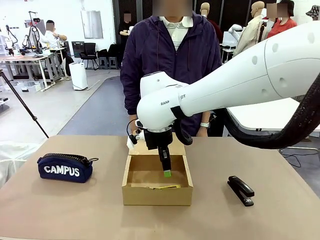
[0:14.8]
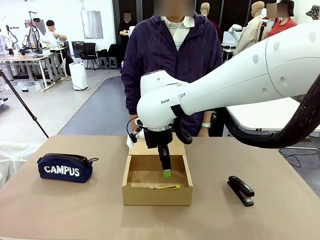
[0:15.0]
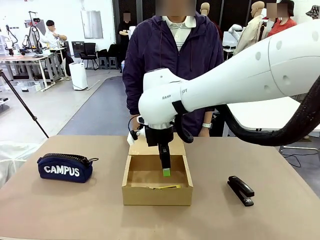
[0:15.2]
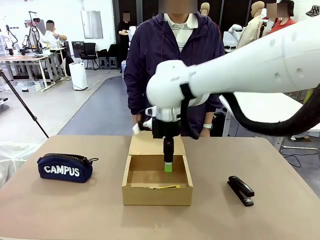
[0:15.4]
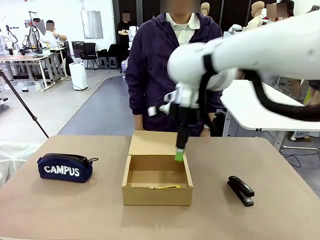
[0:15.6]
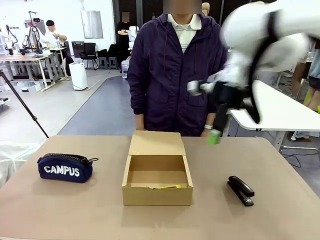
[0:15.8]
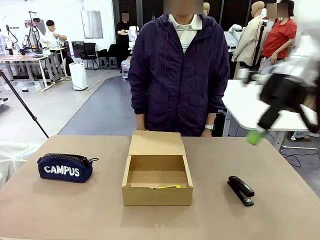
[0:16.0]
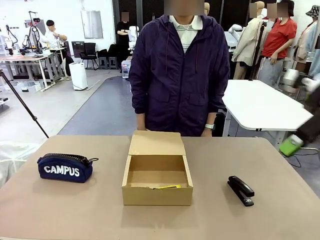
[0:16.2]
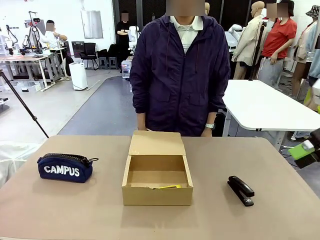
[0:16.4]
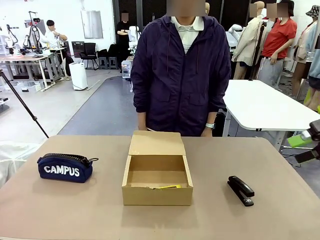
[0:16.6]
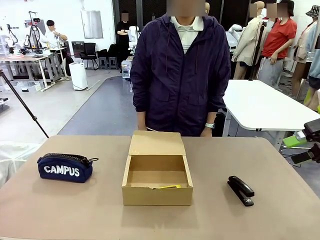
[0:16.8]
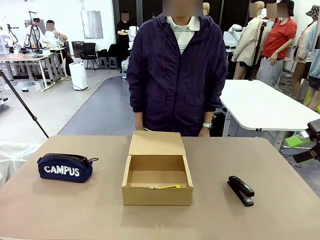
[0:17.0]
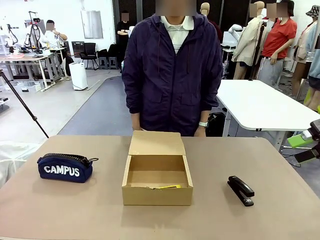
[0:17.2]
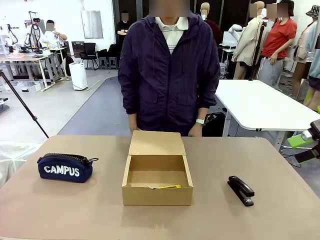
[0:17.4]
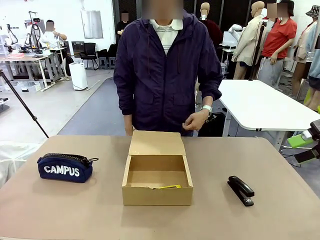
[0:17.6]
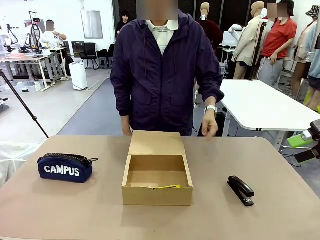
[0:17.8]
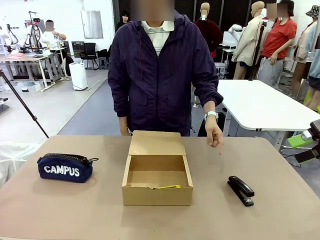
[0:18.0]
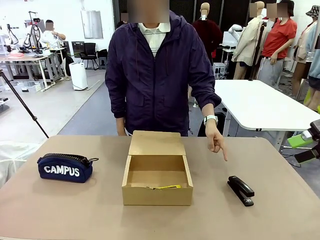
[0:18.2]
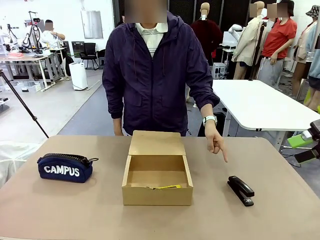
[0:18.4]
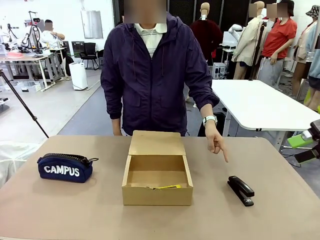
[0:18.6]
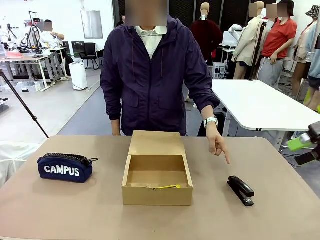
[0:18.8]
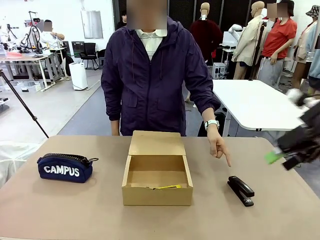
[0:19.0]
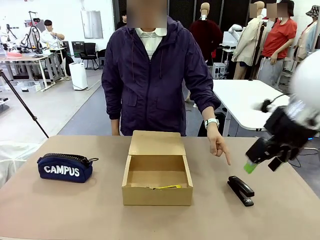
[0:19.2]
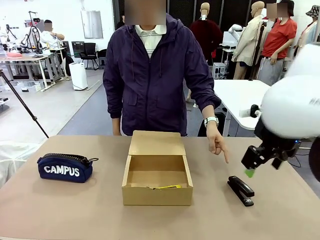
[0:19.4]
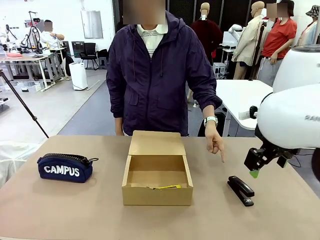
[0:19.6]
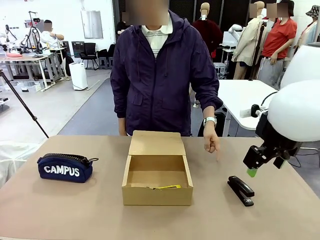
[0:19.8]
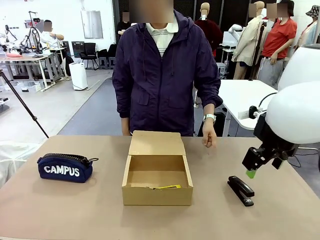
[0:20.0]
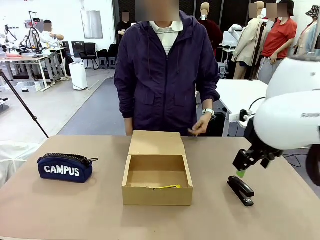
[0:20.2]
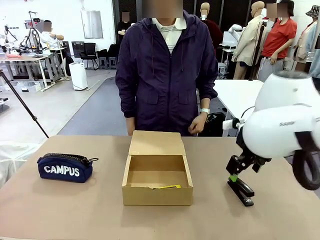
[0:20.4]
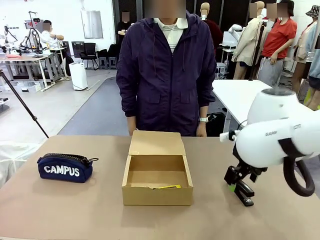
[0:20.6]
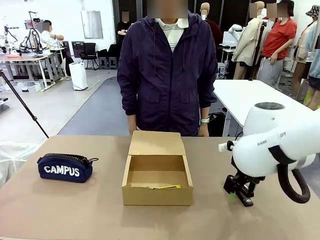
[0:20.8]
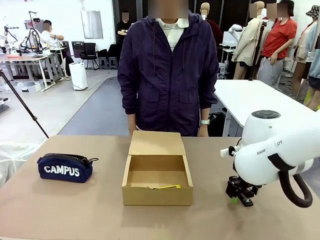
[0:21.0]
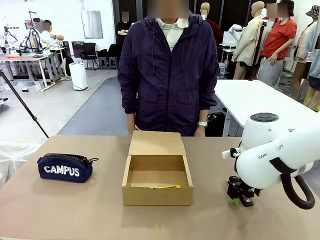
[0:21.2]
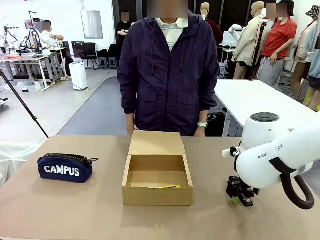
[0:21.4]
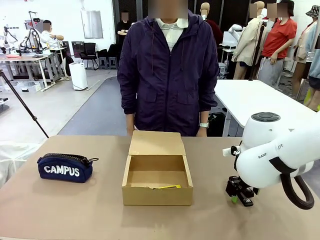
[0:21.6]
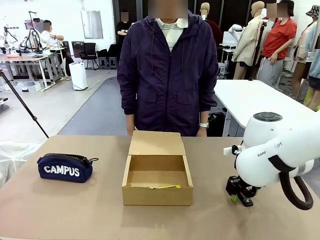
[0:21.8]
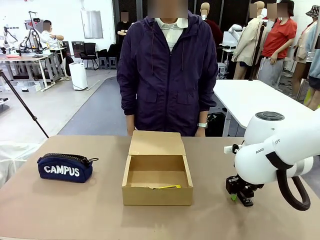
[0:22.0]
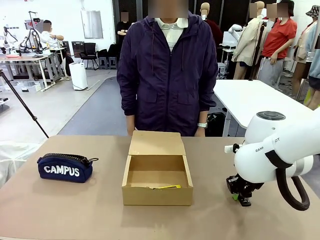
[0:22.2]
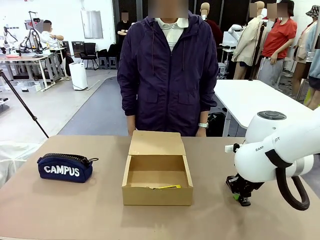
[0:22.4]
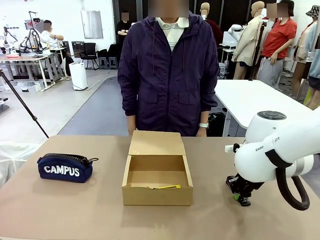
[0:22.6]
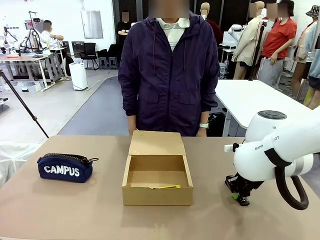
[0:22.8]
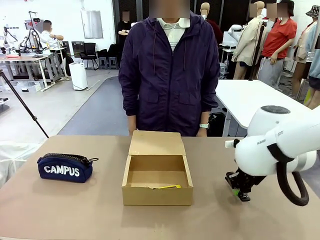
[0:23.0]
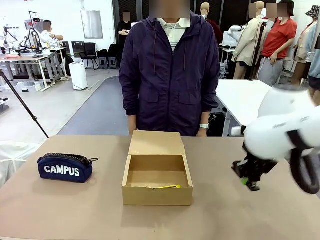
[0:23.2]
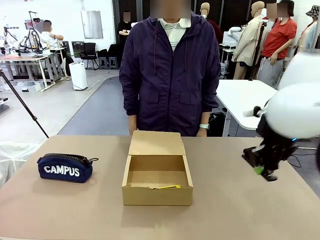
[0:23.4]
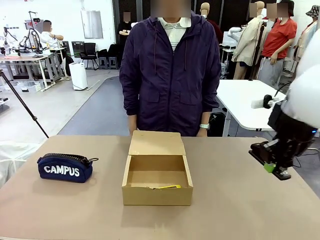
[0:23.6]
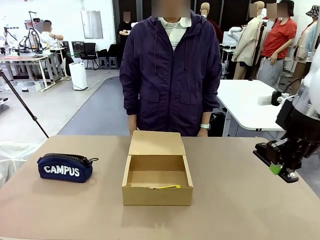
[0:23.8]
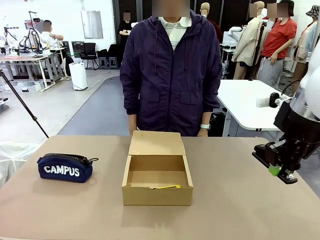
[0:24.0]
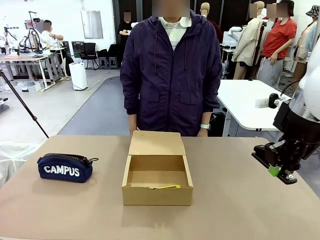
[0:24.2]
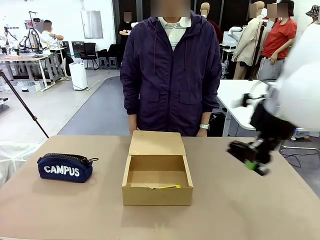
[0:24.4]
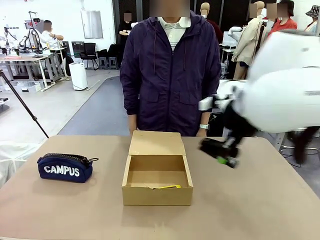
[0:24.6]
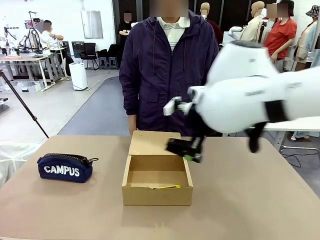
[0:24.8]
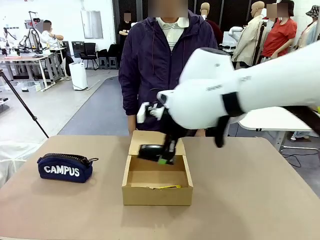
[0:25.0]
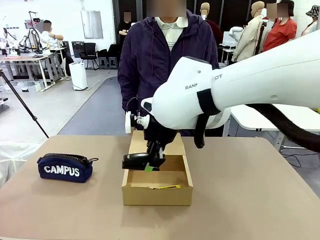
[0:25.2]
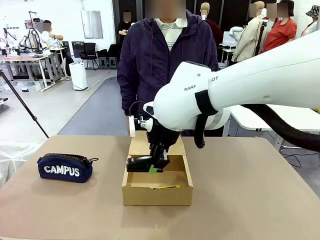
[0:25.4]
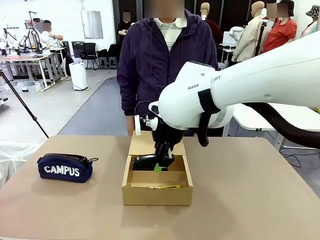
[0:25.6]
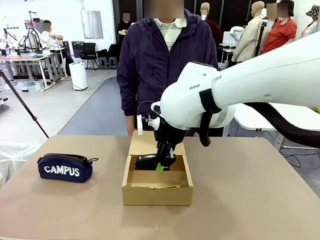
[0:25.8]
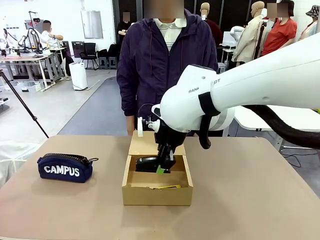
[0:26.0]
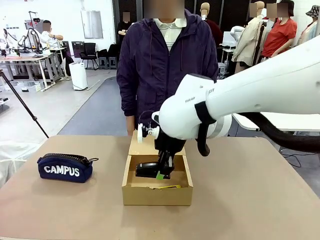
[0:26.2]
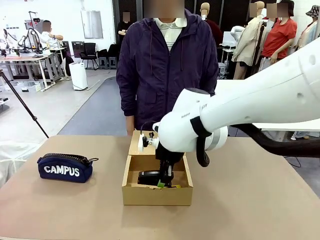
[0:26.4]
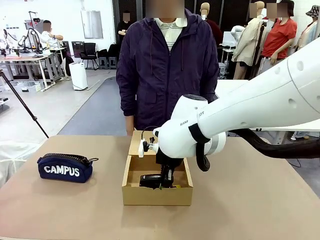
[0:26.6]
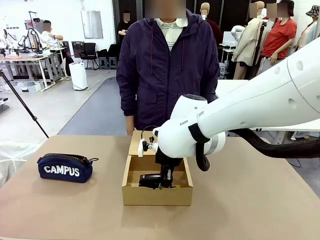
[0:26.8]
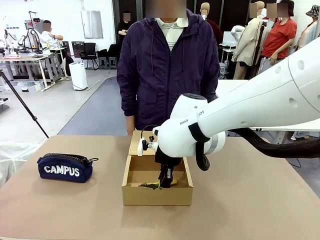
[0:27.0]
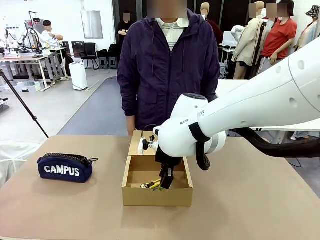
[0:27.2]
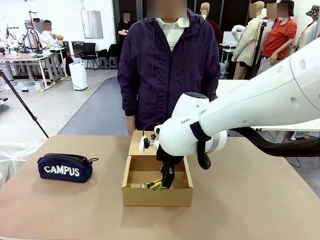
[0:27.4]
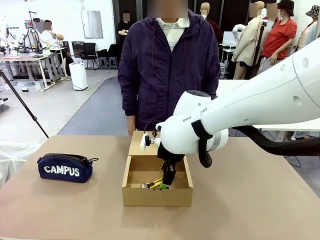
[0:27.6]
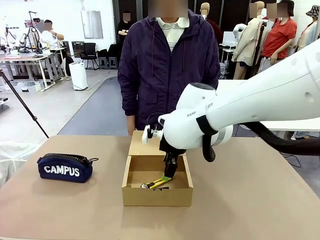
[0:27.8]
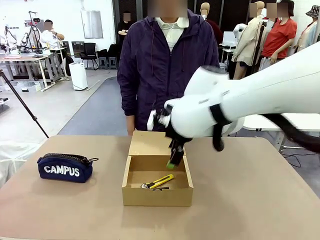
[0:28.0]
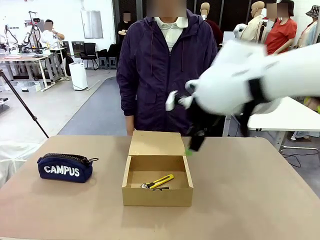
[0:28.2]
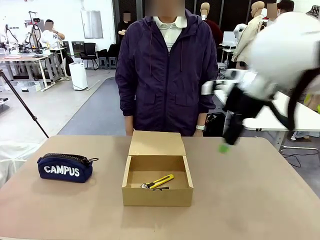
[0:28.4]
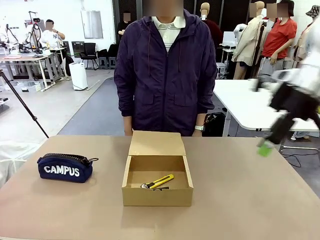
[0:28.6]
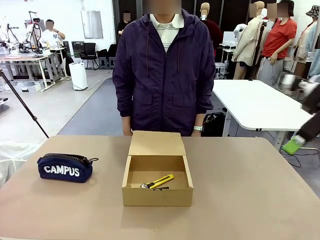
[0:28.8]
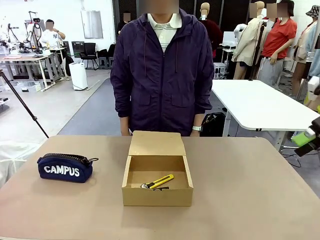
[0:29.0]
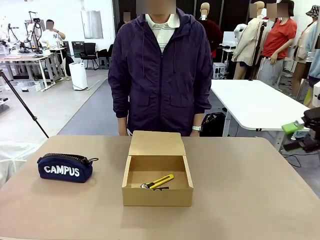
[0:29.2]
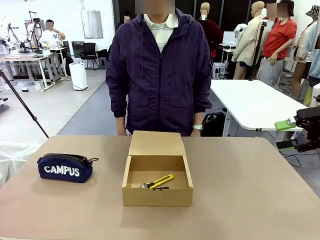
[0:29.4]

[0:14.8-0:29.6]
Task: Pack the items into the box.
Robot: Pick up the item specified by the human and place it in the Mailer Box.
Person: Lower both hands vertically with palms facing downward, as if pressing something closed.
